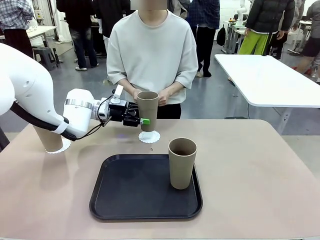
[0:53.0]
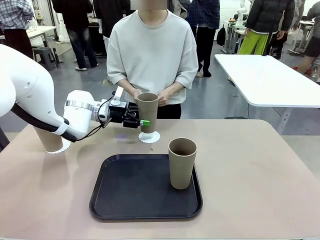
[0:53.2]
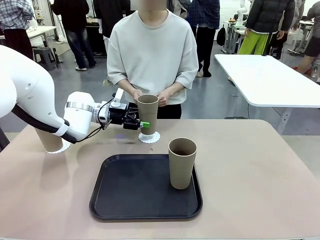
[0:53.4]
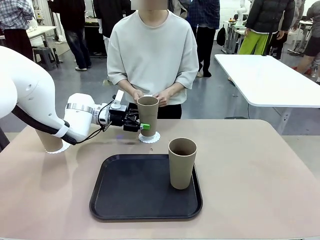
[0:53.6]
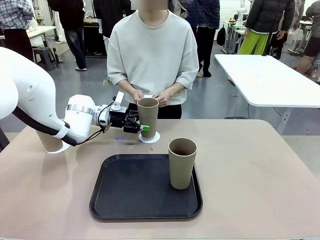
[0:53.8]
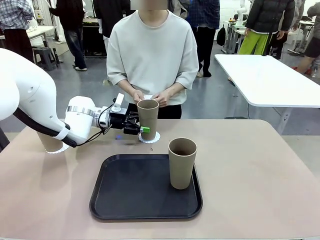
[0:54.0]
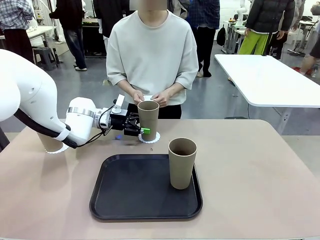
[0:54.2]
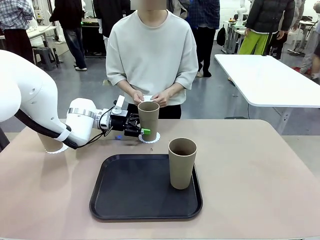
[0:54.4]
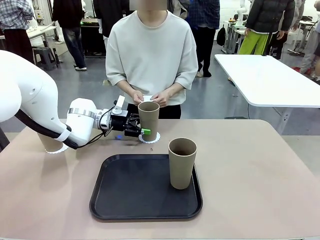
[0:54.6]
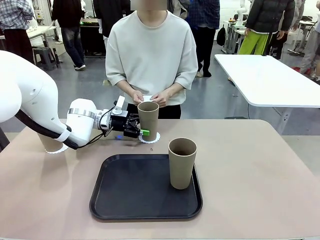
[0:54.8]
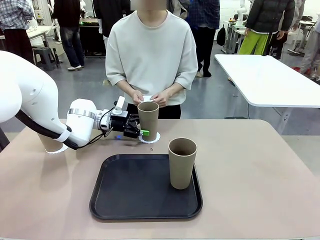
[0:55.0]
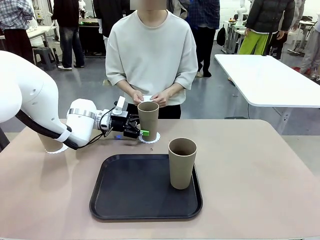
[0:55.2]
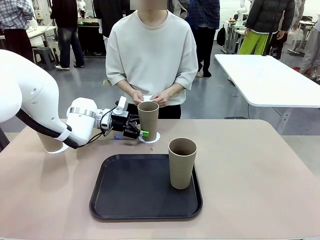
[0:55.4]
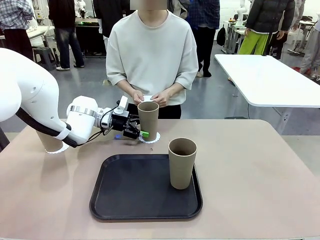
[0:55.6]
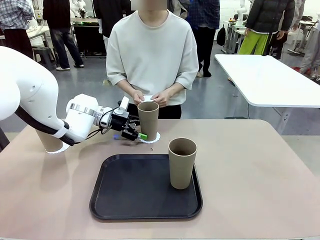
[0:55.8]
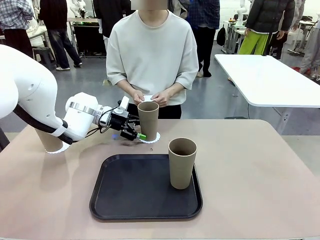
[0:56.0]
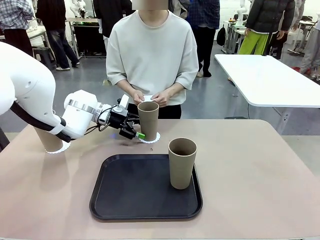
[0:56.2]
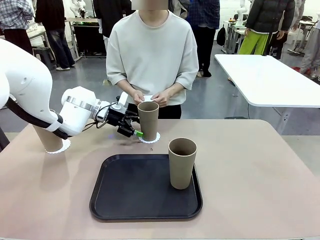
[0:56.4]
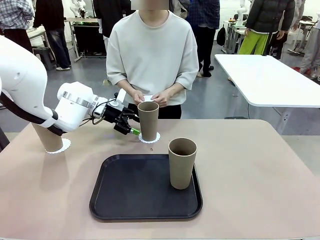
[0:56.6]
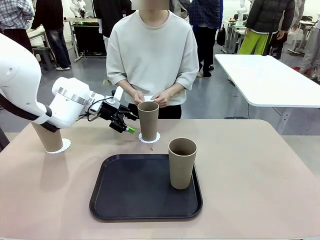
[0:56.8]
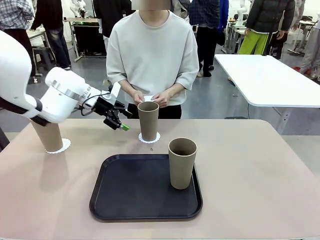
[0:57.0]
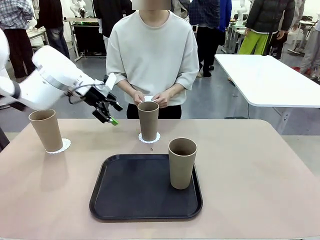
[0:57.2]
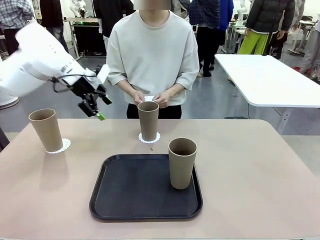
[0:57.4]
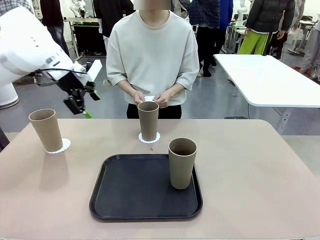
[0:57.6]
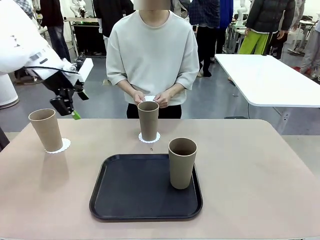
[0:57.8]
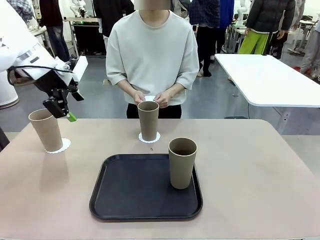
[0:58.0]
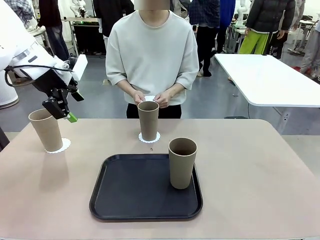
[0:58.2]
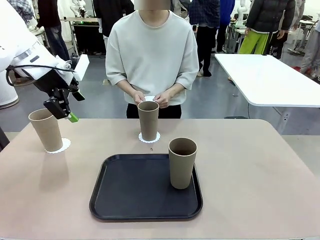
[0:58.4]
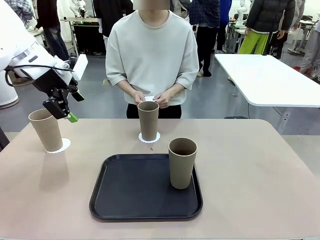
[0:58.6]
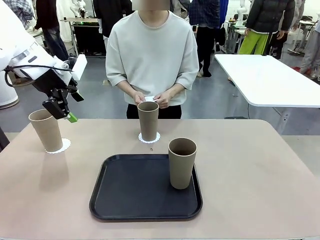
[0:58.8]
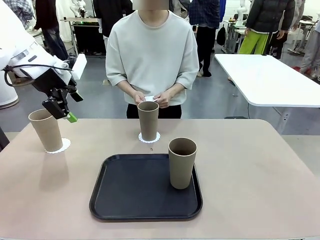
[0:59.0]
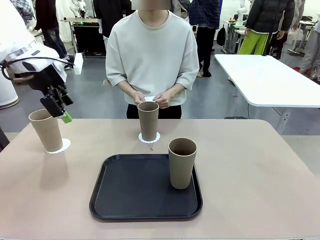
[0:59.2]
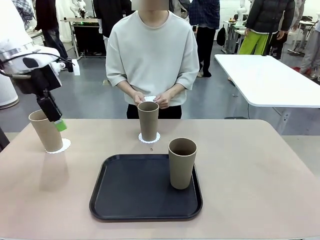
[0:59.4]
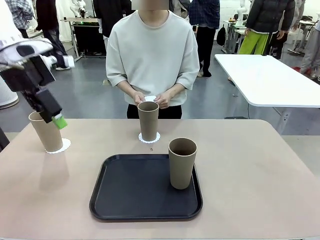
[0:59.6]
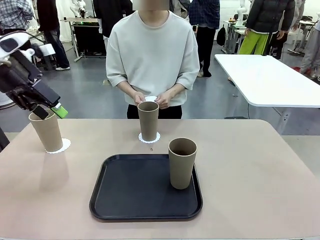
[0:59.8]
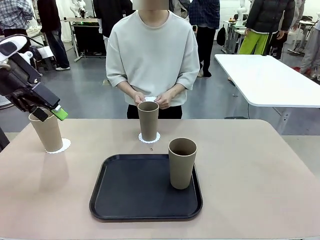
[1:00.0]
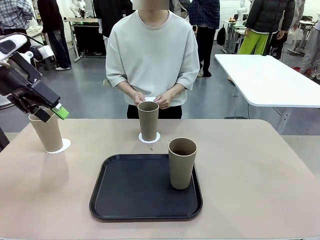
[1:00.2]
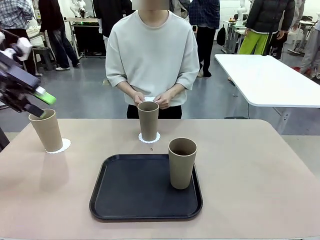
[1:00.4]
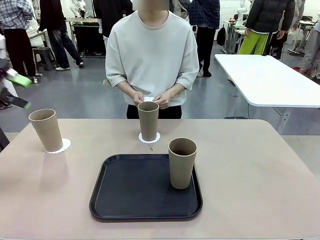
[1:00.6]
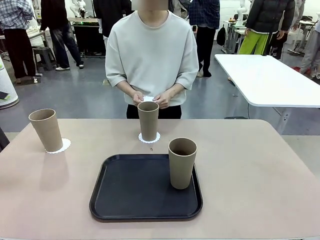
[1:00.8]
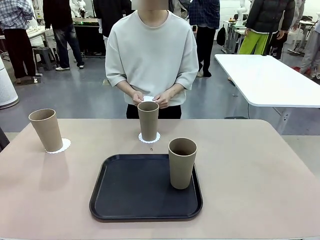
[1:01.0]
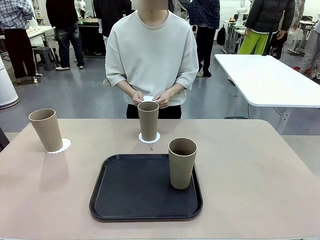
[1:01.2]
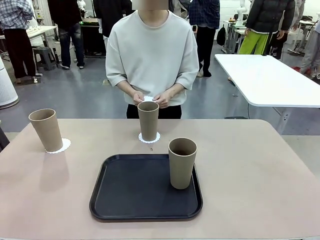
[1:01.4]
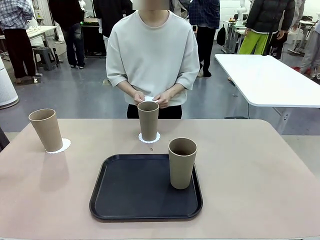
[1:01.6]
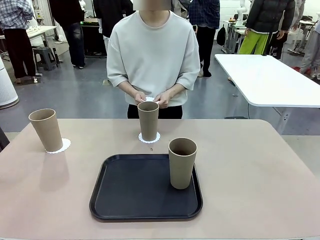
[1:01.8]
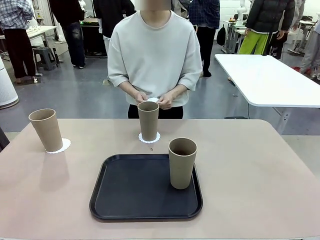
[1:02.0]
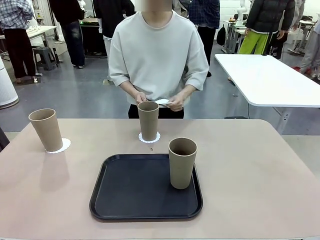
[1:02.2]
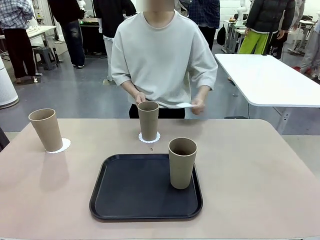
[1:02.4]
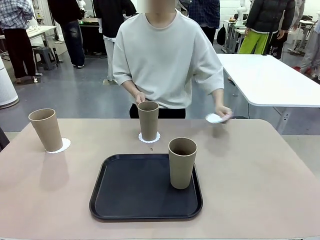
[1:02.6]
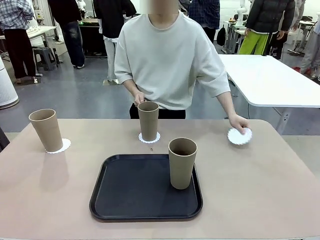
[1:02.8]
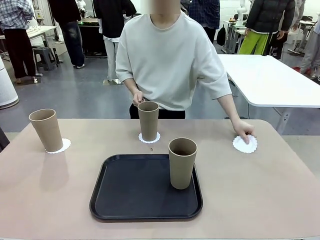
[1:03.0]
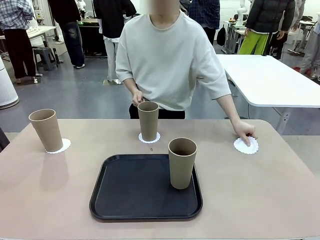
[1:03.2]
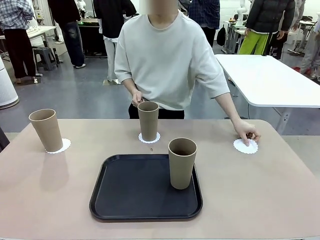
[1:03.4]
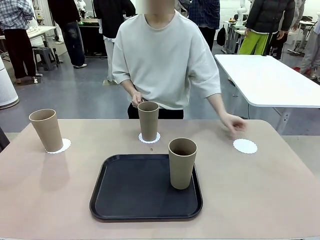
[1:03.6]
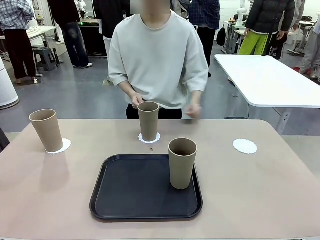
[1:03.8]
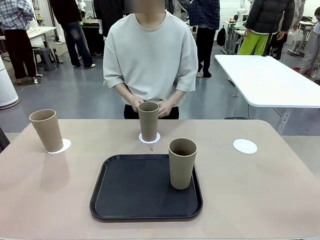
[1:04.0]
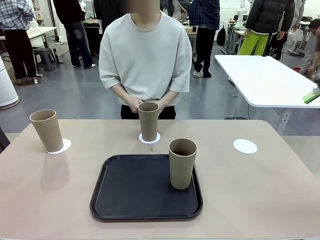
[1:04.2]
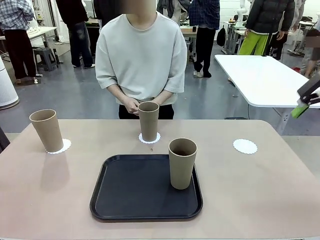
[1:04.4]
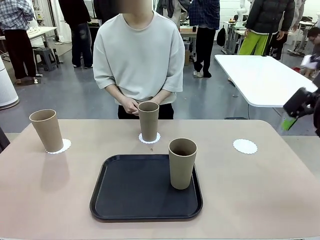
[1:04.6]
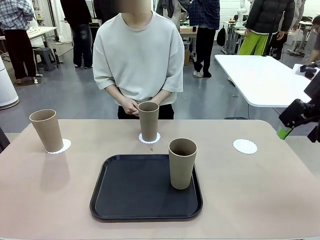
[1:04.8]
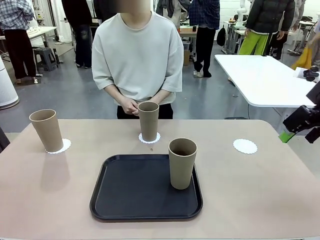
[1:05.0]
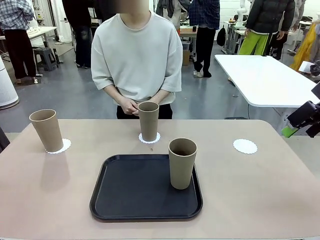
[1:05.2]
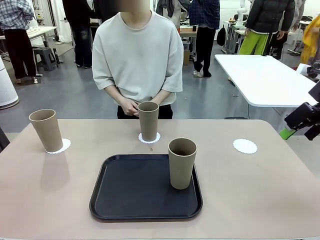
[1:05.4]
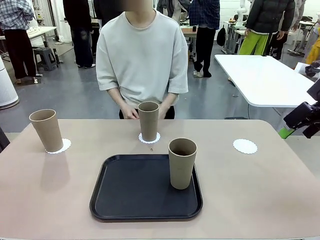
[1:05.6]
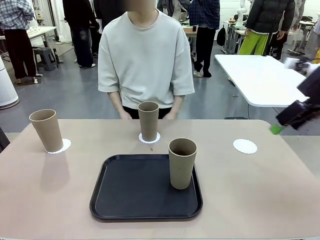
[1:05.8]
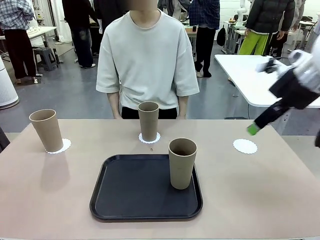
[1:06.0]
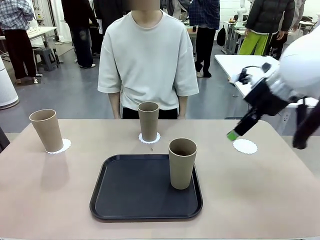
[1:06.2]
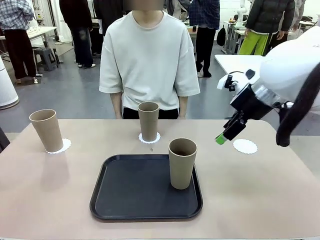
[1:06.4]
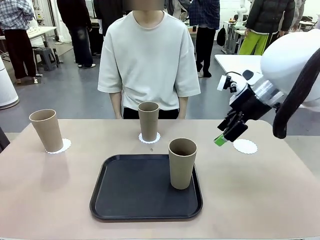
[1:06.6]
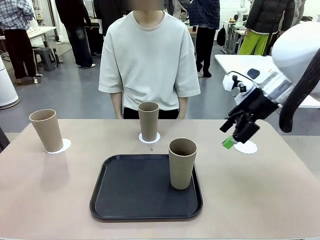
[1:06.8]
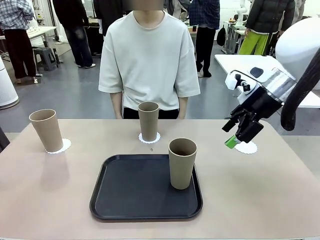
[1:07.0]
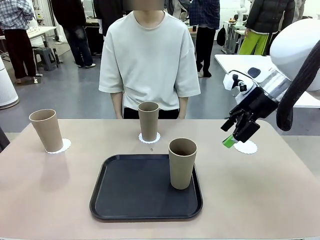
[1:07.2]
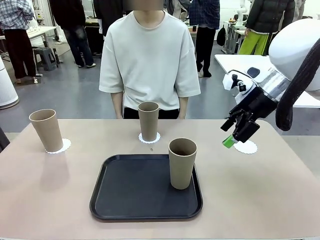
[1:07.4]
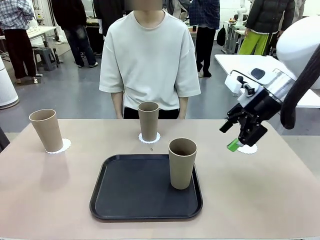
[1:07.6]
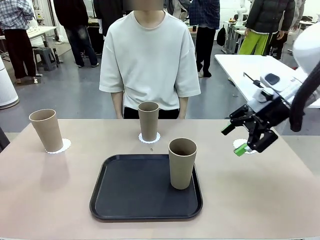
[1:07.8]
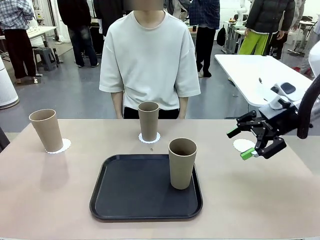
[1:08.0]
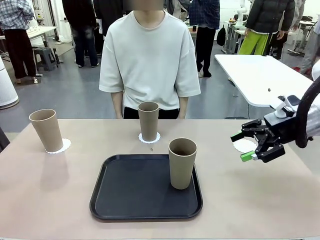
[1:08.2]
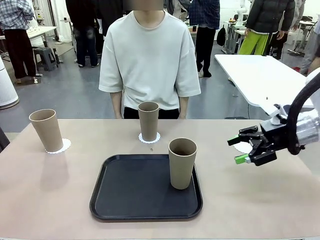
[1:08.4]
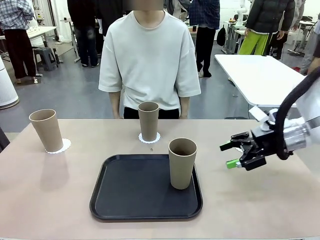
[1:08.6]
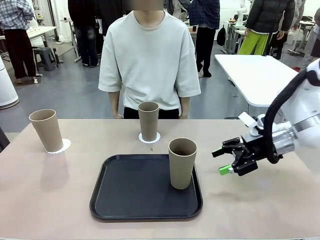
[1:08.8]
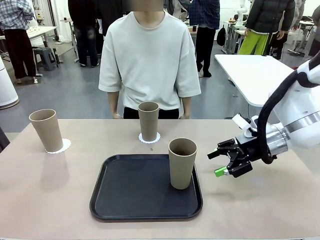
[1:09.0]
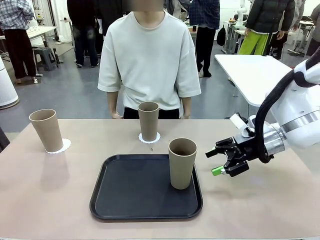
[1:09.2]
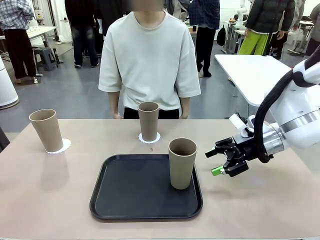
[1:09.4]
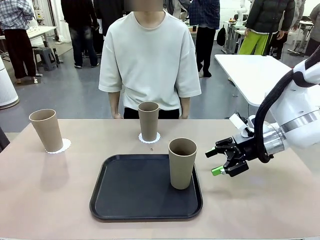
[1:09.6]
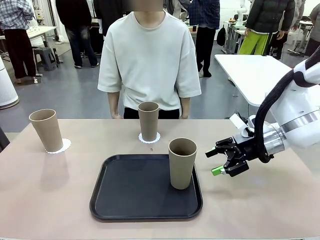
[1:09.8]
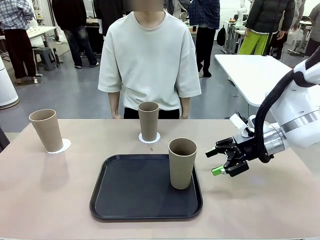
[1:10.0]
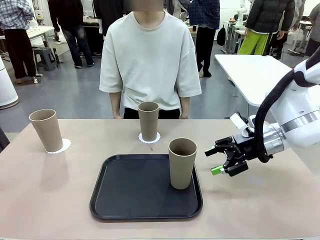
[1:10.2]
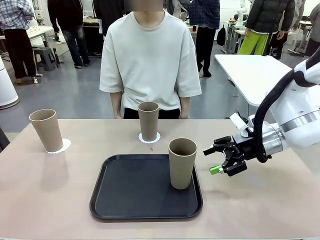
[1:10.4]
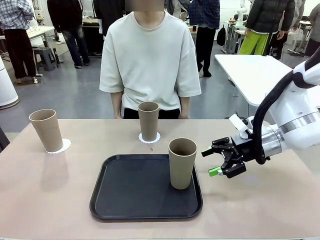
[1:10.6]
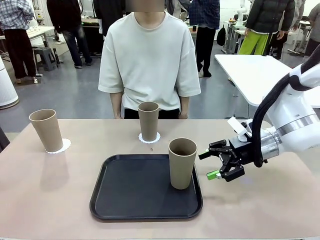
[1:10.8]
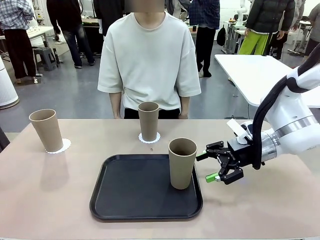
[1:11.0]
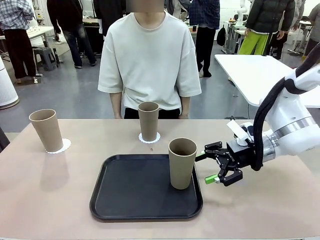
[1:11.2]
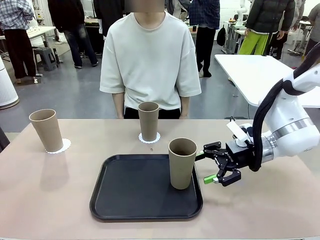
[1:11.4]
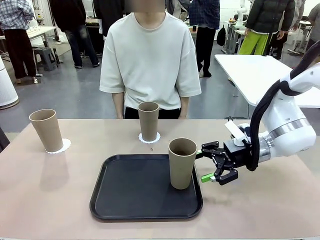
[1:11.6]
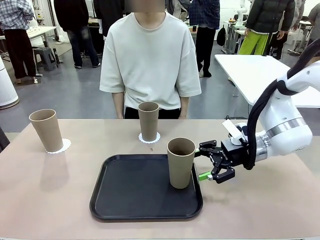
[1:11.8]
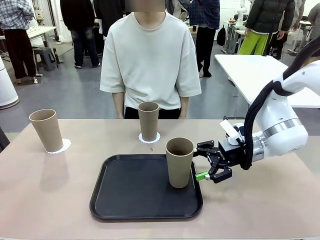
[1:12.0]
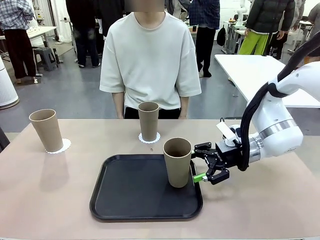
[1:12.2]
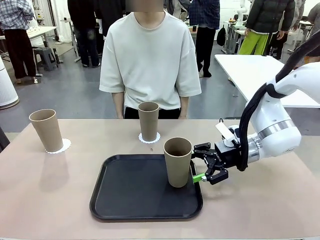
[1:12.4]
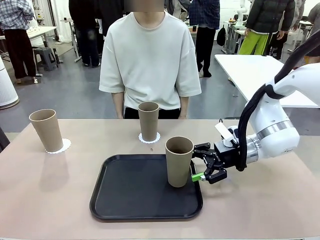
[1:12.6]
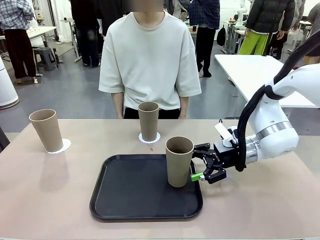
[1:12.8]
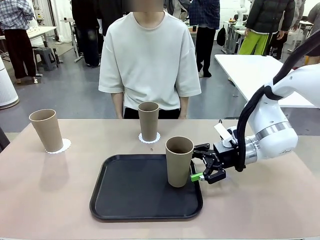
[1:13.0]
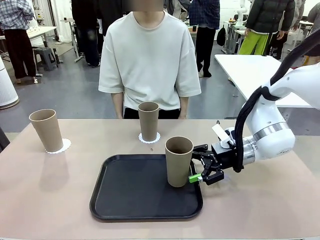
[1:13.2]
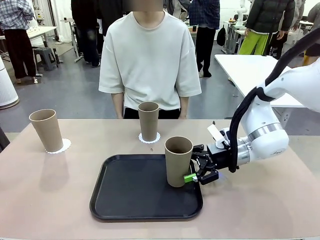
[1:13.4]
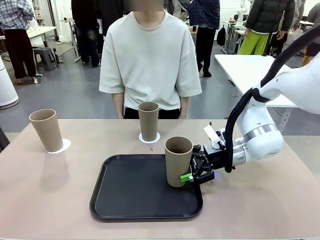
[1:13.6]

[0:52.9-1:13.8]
Task: Place coasters on the table and set cups on them.
Robot: Take one Reusable plastic cup from the Flat Tray and place it on a coaster set by the human.
